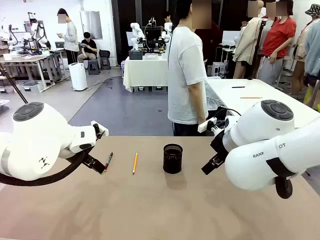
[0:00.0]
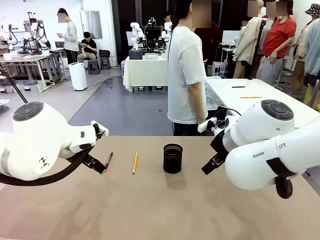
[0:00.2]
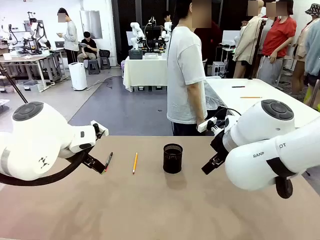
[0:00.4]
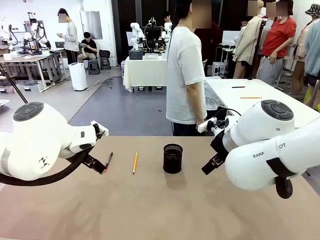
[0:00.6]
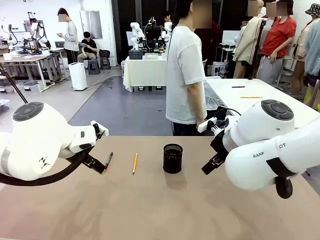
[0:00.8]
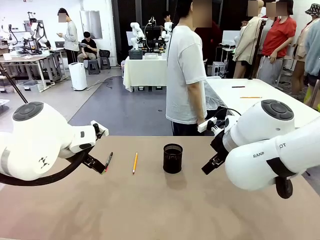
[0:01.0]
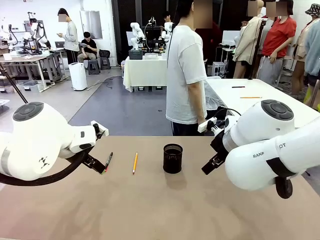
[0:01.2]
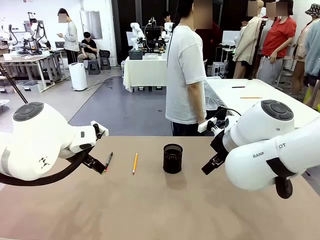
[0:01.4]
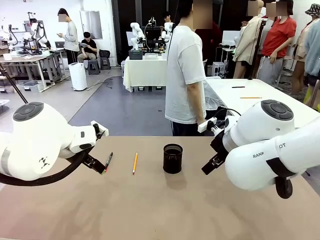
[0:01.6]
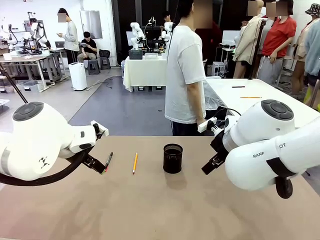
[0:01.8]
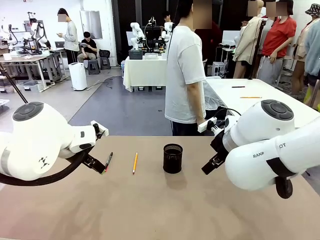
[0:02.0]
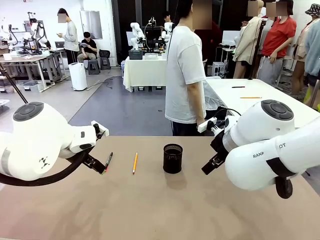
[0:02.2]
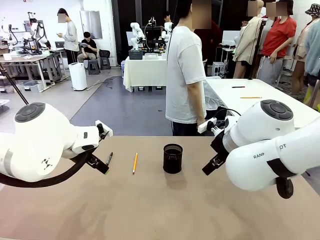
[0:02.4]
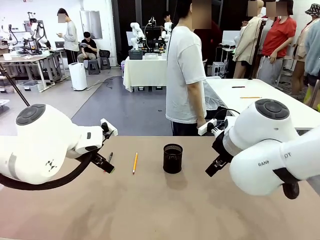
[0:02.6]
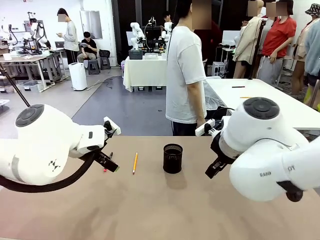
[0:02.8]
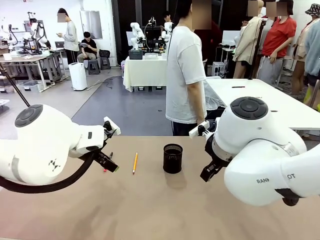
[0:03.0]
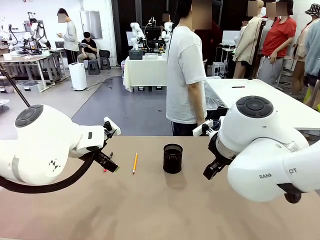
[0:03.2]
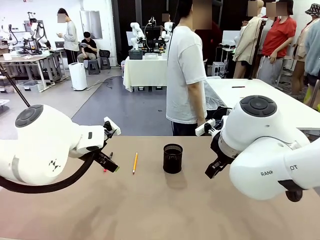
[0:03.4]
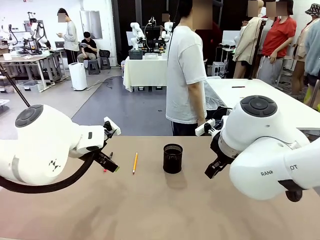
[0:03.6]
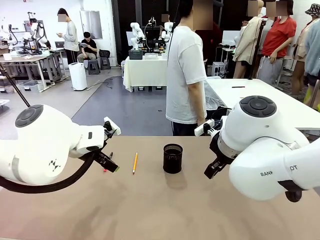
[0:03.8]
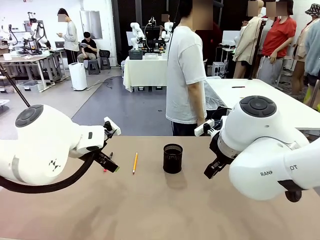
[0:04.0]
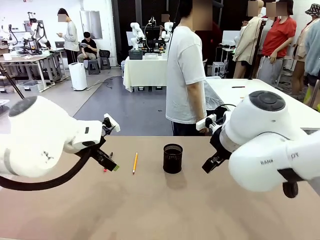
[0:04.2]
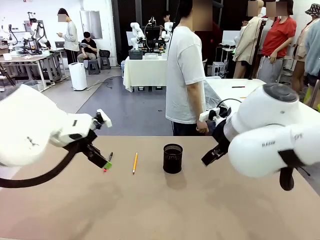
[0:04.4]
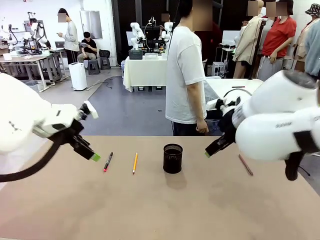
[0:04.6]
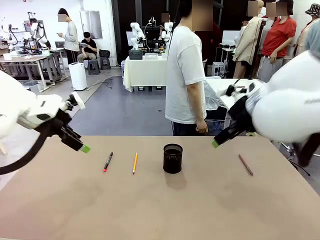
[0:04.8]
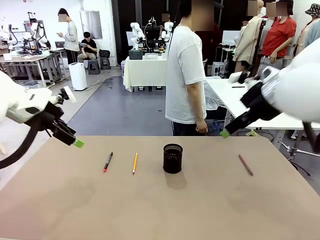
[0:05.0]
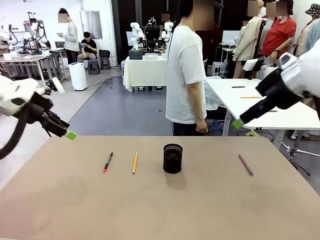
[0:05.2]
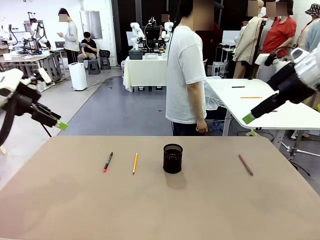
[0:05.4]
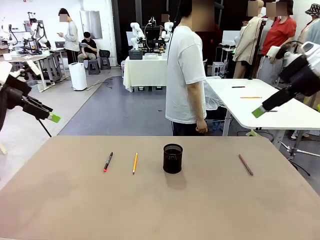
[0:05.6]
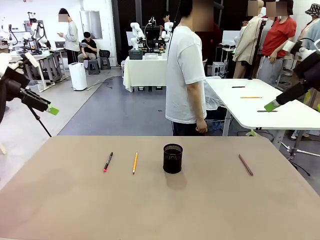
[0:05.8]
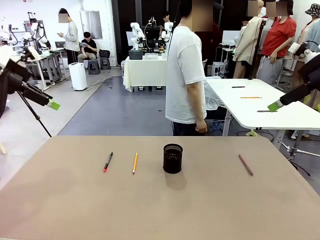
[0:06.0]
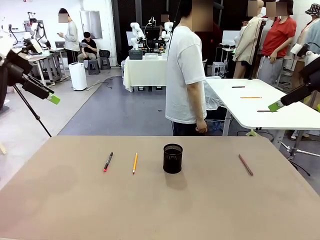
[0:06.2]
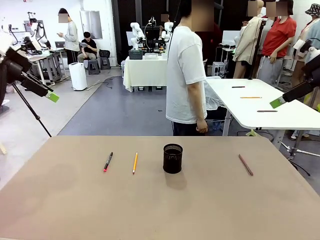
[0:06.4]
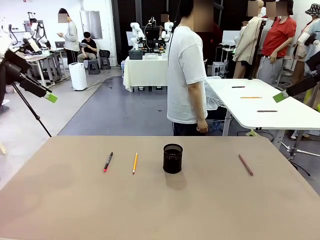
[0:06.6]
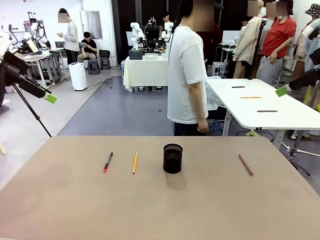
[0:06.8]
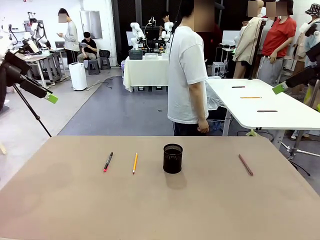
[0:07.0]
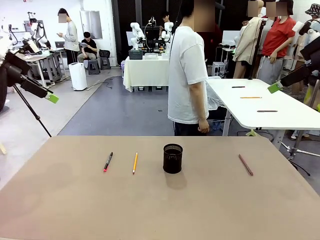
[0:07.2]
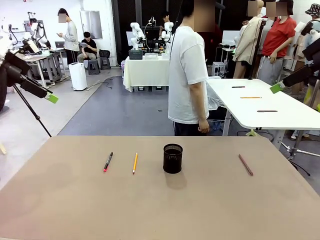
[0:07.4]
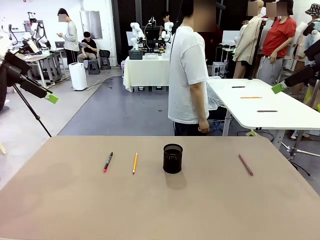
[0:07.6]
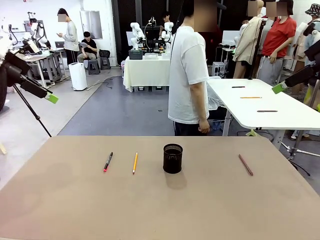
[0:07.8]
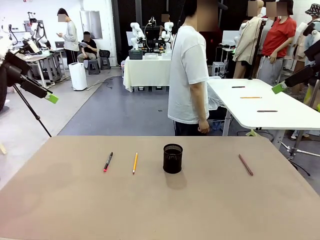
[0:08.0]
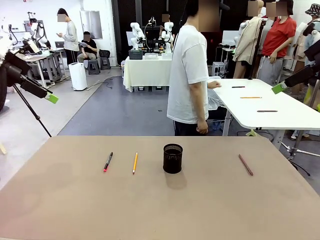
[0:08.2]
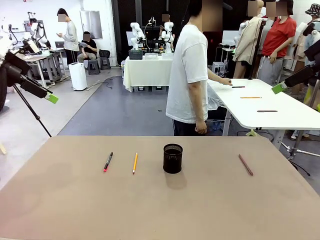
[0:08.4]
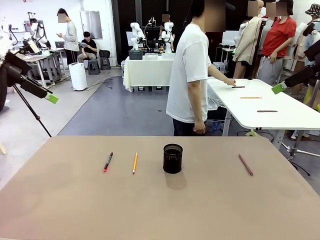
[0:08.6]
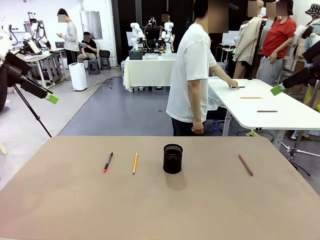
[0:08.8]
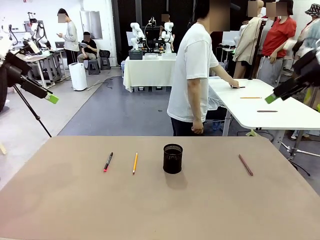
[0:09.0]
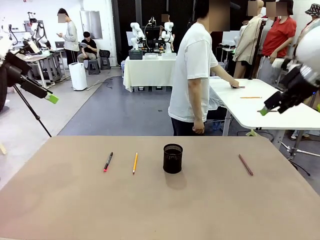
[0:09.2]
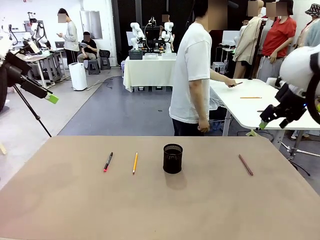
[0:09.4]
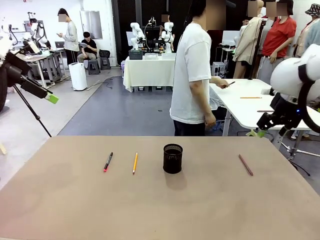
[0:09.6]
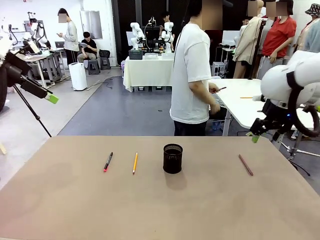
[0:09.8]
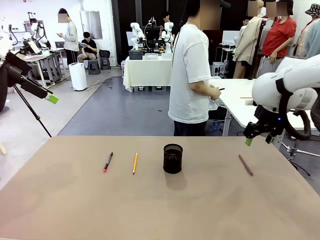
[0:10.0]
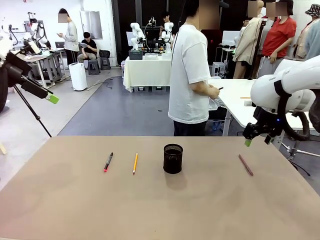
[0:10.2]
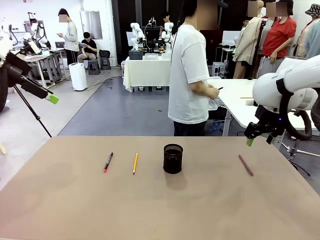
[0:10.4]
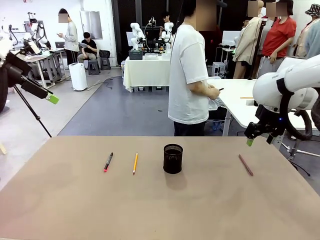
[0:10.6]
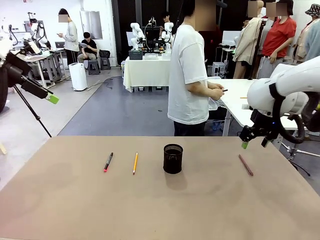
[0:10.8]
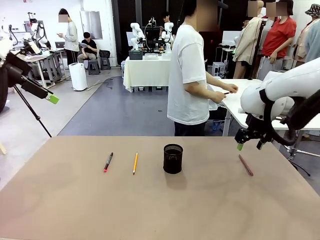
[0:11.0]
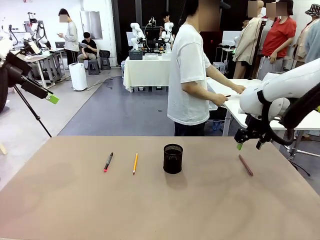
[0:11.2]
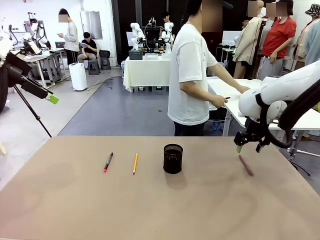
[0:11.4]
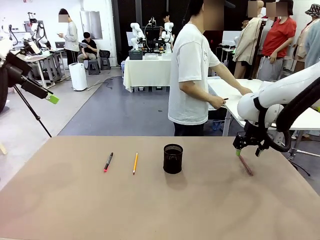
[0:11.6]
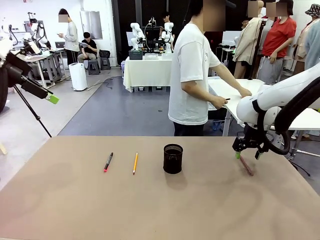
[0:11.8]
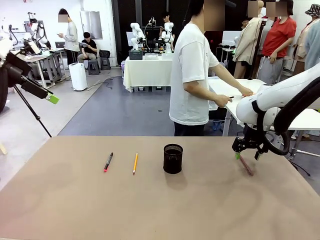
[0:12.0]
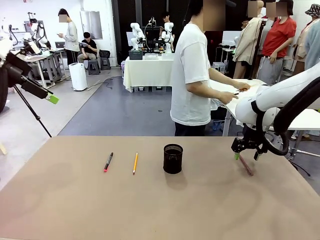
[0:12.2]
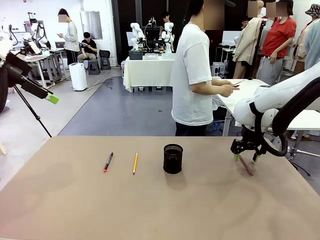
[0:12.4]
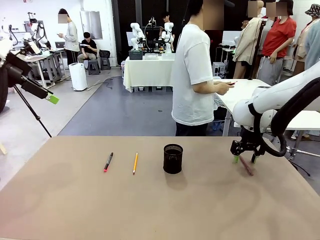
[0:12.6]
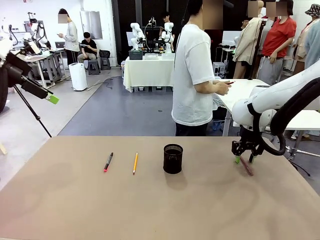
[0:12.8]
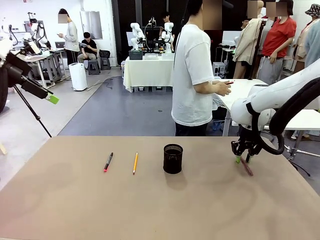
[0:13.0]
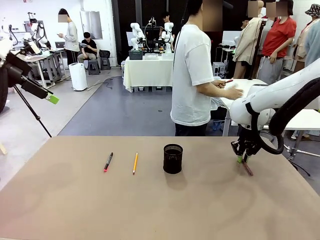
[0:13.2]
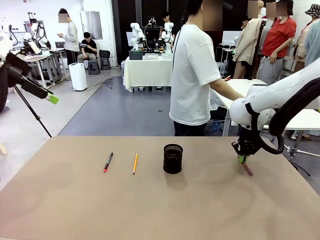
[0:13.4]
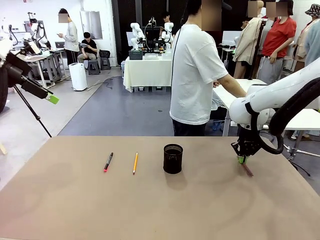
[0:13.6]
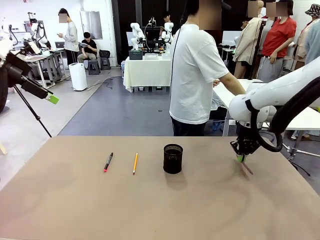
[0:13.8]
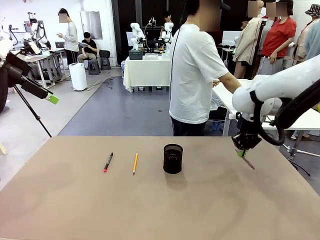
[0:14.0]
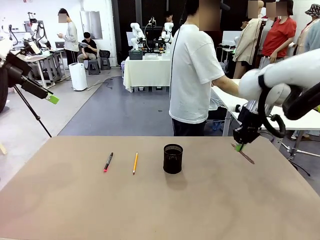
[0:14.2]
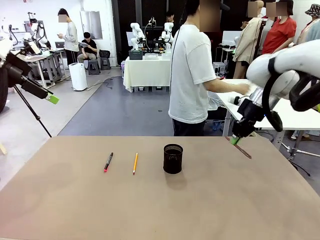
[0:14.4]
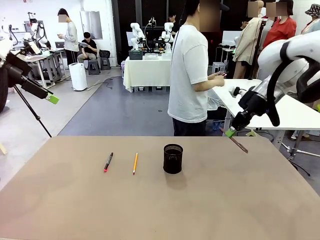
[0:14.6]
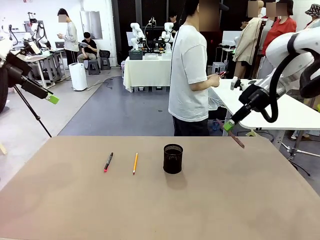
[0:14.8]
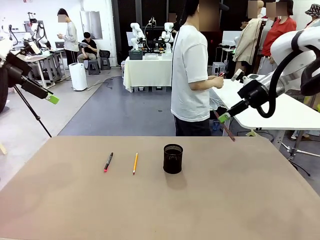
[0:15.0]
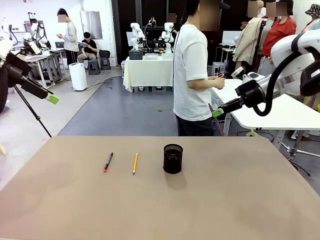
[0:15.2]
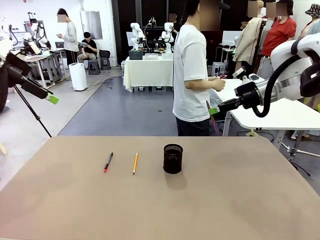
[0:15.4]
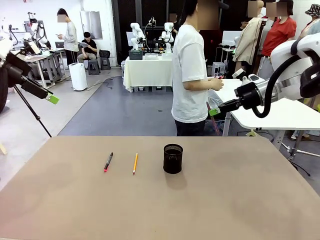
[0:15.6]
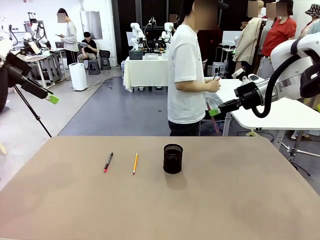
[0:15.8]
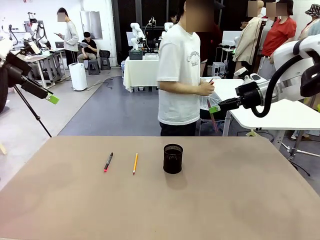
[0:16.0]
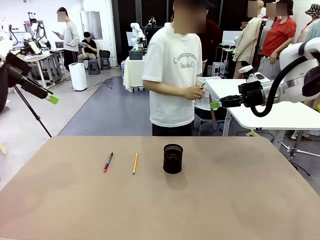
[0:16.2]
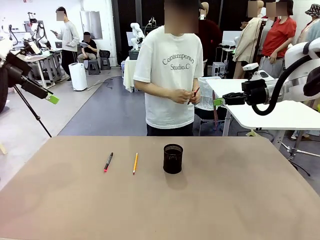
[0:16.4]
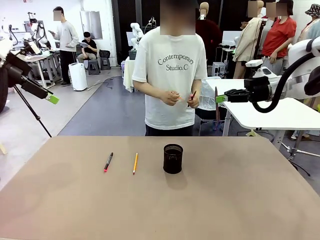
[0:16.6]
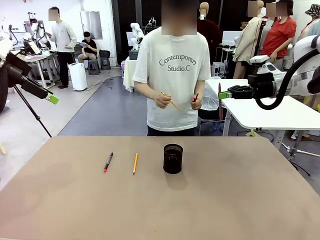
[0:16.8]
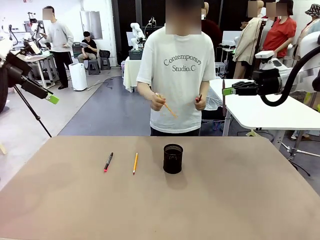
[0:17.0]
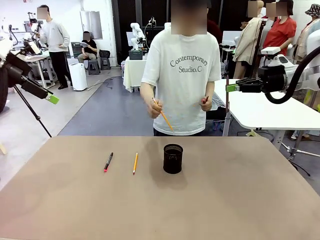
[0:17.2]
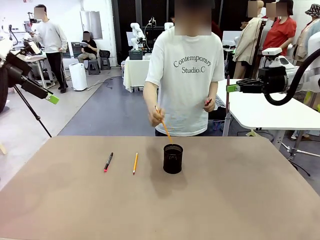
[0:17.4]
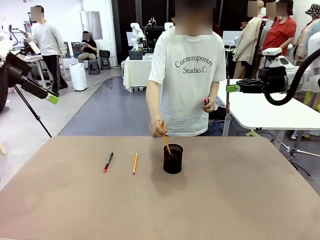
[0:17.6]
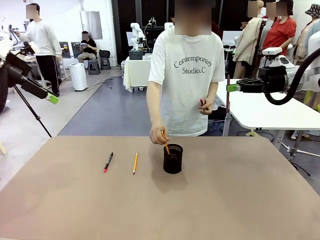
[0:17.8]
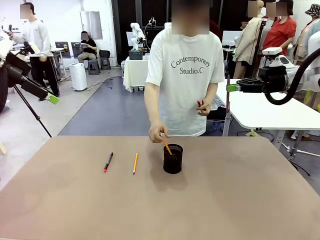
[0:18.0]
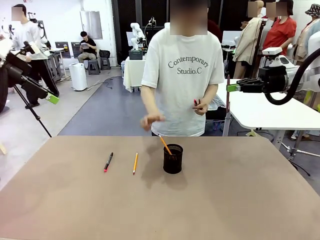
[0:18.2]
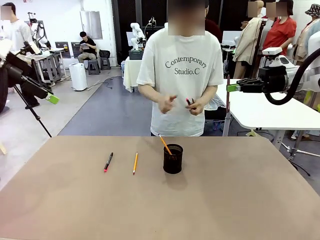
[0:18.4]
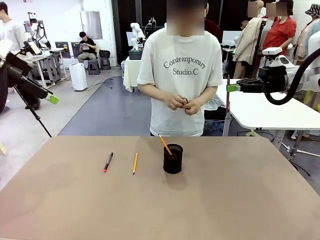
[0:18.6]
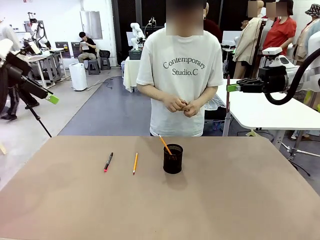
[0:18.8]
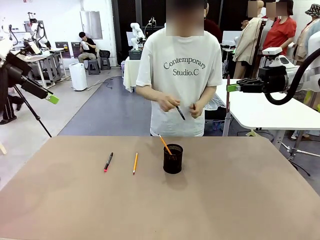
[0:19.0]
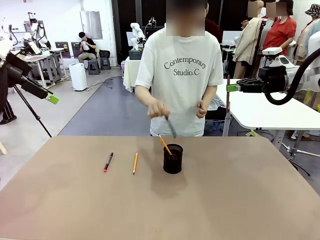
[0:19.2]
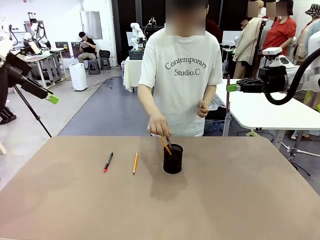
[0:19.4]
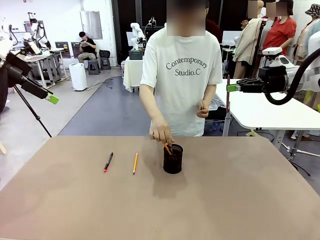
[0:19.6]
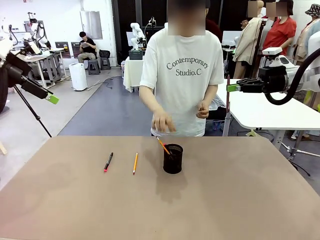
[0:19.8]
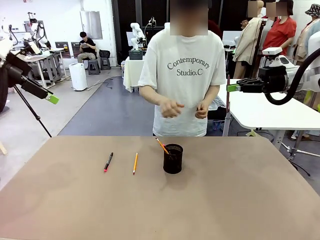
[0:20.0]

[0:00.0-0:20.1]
Task: Place the pens into the pen holder.
Robot: Pick up a writing instrument from the table and place it into the Pen holder.
Person: Pick up all writing instruments from the Human table.
